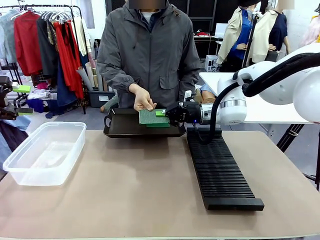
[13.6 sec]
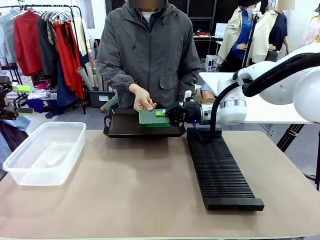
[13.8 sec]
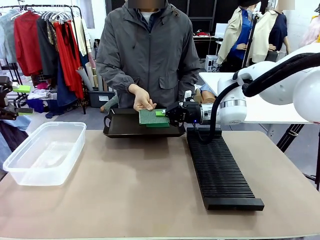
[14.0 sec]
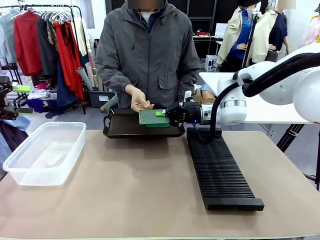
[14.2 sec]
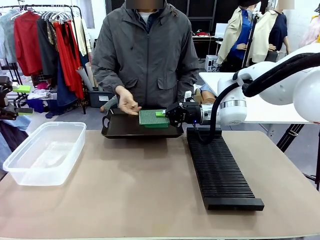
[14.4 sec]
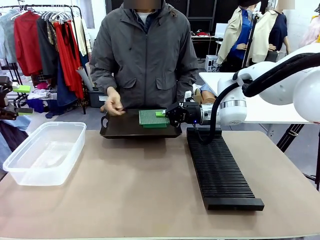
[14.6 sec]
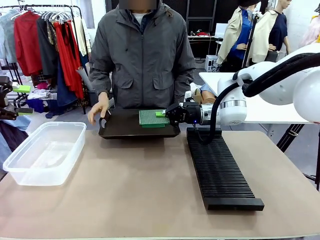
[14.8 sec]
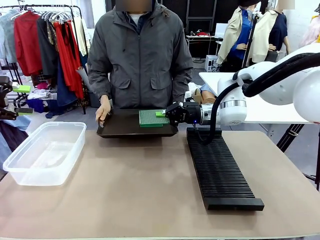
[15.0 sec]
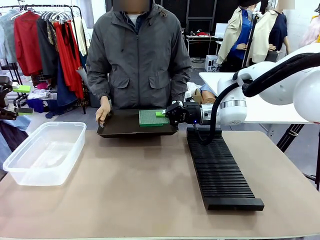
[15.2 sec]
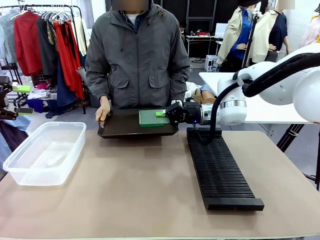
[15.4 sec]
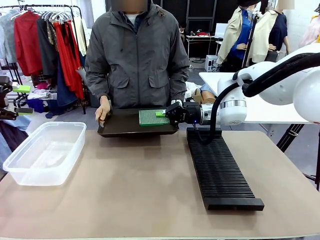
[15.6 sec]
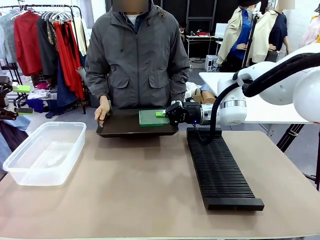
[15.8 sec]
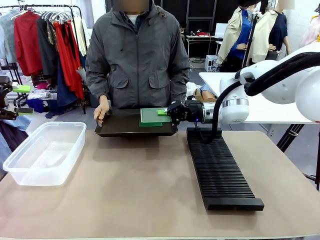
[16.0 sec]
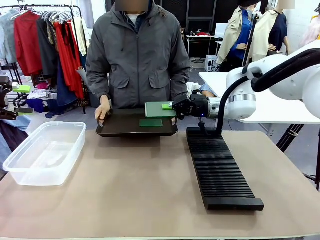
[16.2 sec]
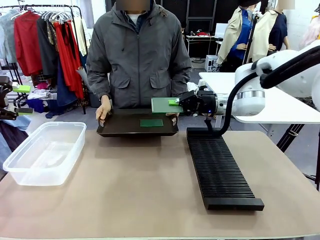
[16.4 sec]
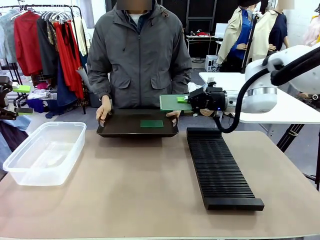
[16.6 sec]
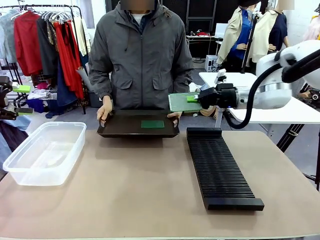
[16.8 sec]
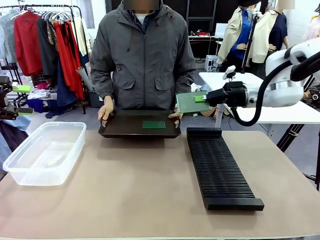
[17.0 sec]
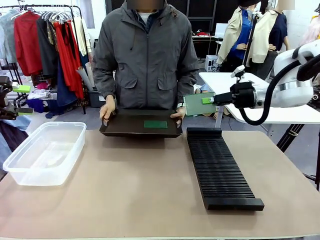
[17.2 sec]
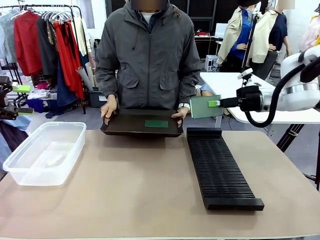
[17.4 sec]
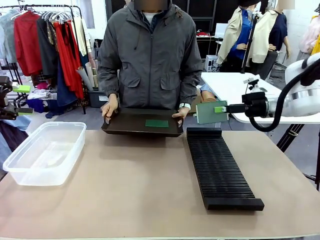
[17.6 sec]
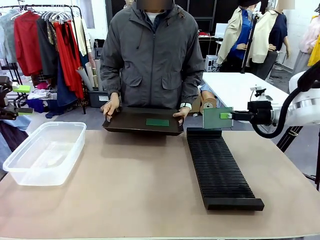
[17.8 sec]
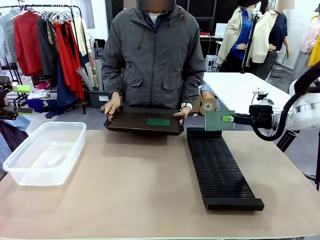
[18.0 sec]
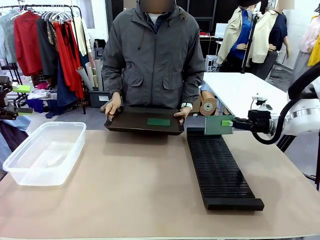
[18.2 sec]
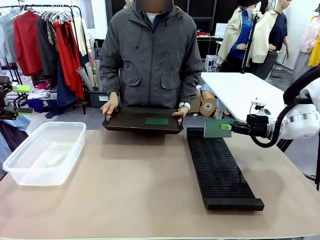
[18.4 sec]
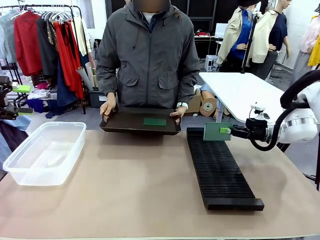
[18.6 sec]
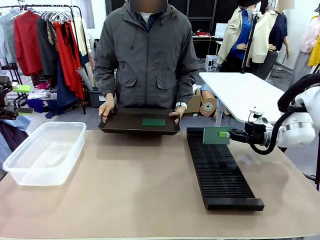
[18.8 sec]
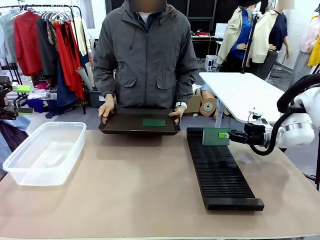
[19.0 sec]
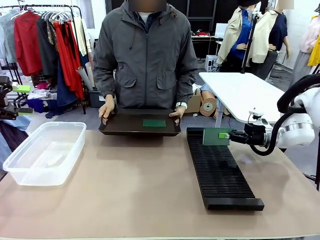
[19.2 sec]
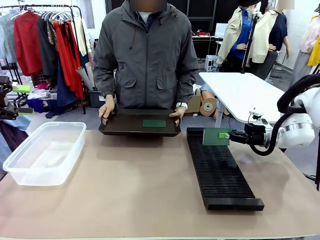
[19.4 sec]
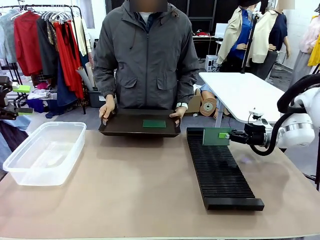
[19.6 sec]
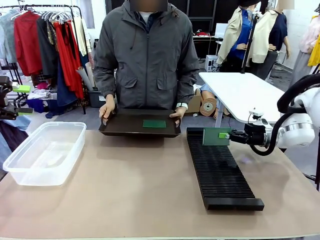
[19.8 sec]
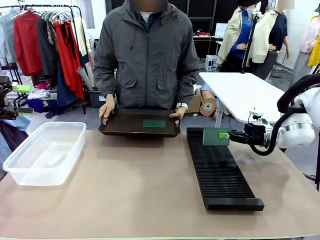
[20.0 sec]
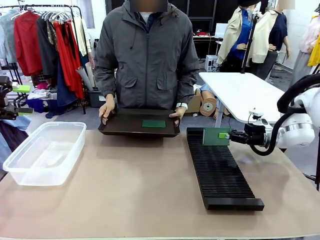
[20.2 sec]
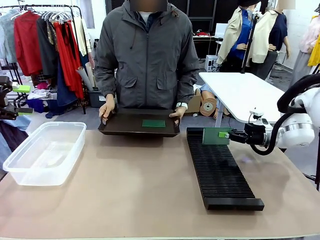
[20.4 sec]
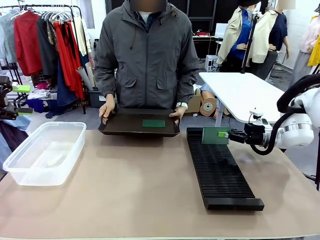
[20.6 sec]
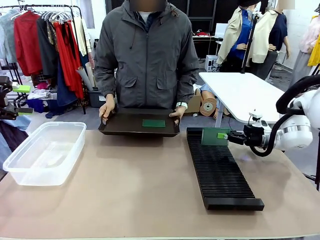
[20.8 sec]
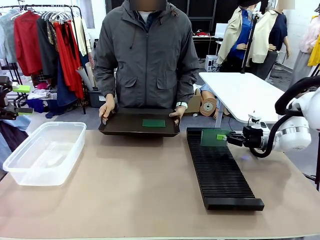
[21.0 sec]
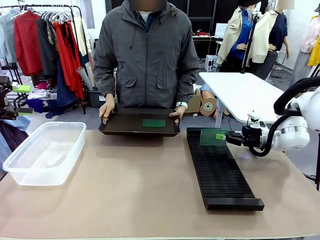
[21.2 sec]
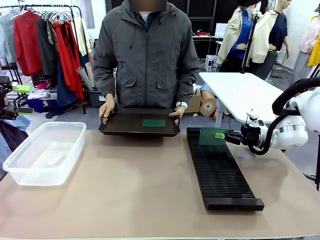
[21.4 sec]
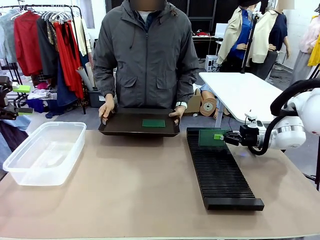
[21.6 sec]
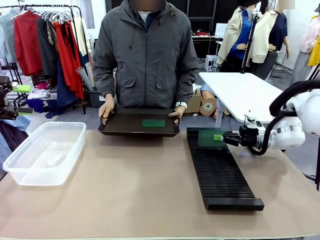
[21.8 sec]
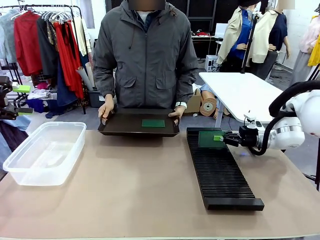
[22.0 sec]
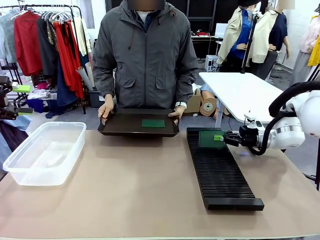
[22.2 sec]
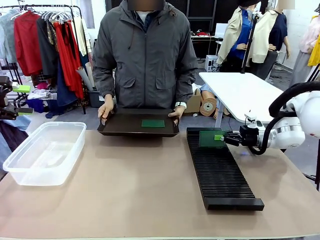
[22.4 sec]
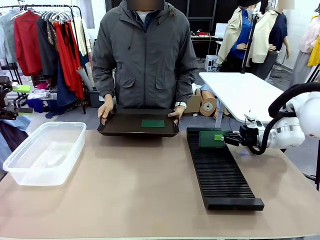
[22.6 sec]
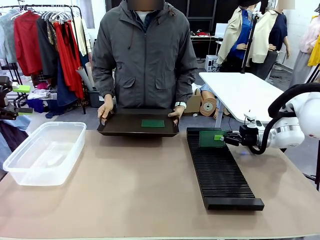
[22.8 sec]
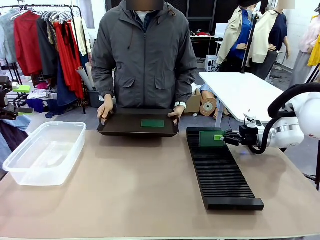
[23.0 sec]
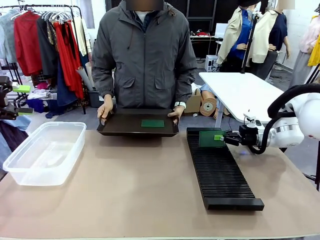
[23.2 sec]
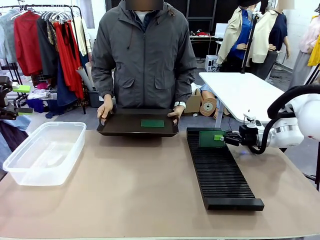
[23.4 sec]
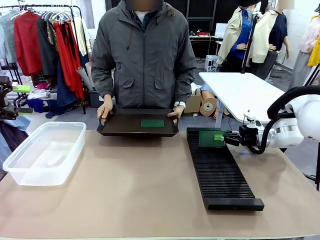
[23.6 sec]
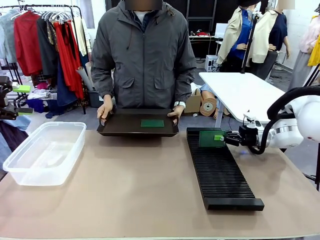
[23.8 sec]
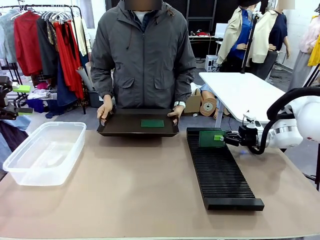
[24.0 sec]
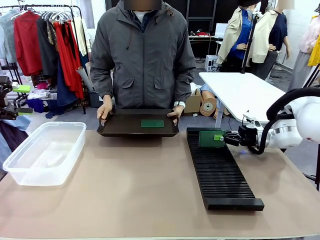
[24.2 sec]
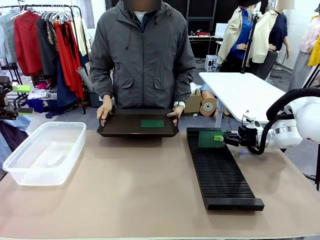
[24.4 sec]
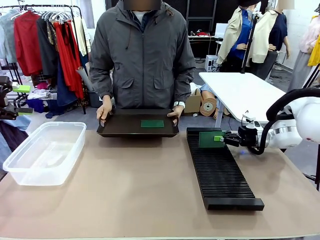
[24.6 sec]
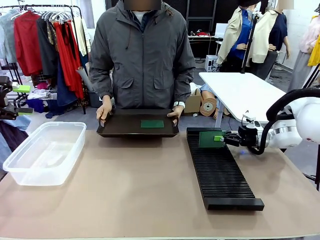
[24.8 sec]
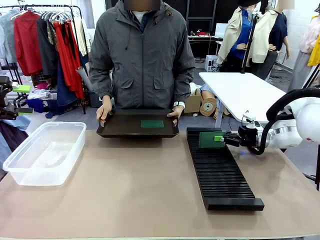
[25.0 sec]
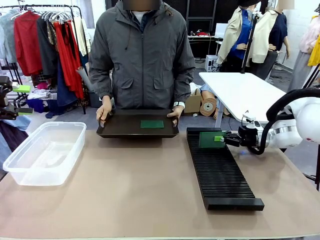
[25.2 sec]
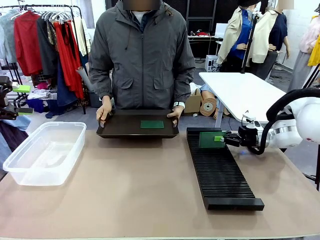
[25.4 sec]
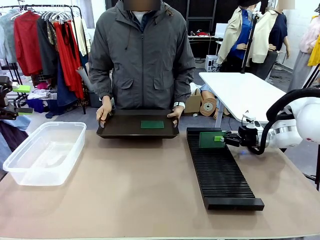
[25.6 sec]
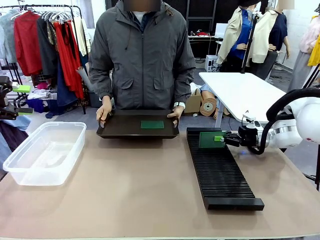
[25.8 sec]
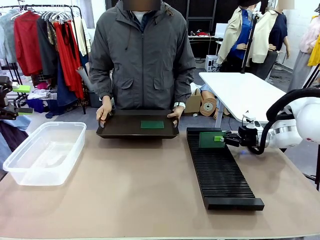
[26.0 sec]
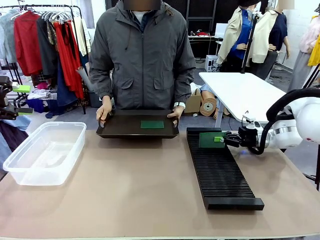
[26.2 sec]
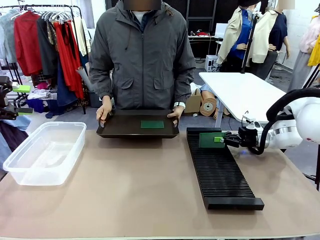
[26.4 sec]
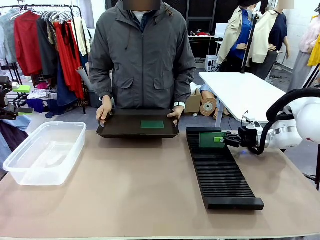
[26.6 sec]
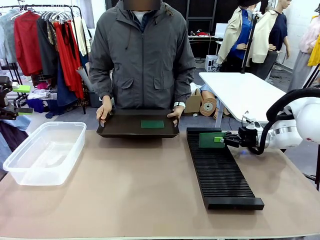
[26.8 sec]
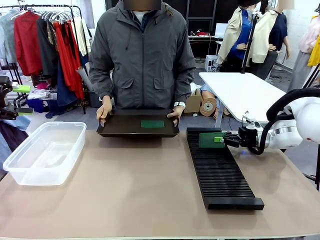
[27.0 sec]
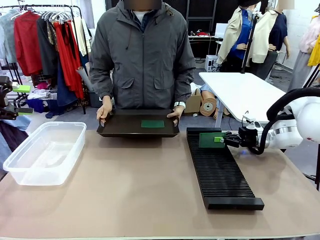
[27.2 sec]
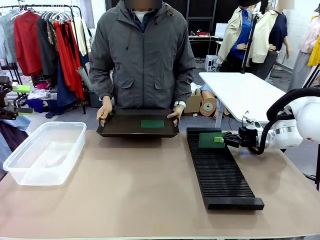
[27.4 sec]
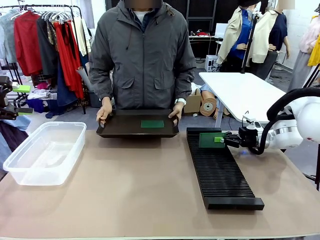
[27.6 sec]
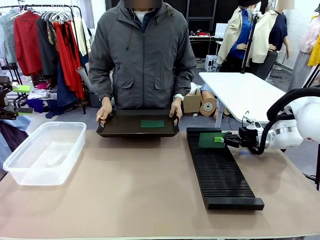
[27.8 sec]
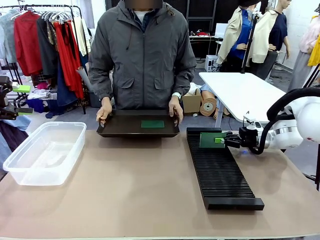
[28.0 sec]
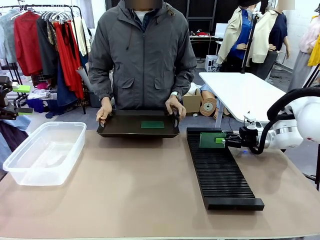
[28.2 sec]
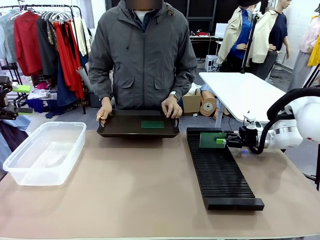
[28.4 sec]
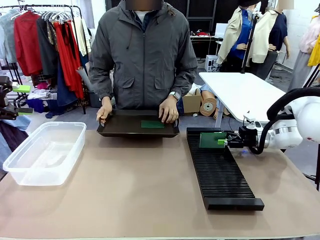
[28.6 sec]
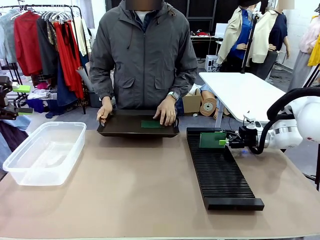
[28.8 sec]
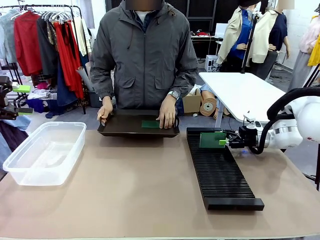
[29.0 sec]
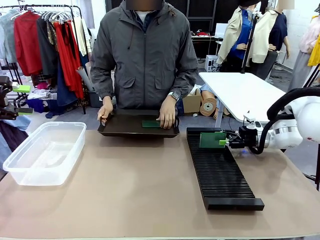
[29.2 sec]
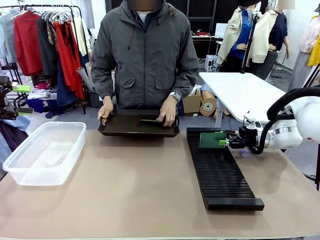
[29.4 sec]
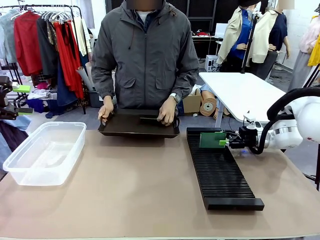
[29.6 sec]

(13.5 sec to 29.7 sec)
Task: Sort PCBs into racks and boxes based on the side picked up.
Robot: If the short side of the Blank PCB is picked up, insert it into the PCB Rack ; if the long side is picked up, place it in the Organizing box.
Person: Pick one PCB from the tray and present it to the robot.

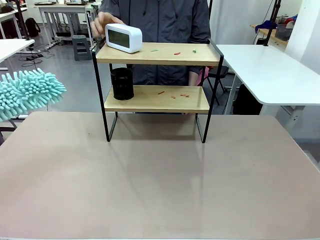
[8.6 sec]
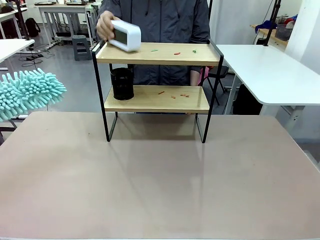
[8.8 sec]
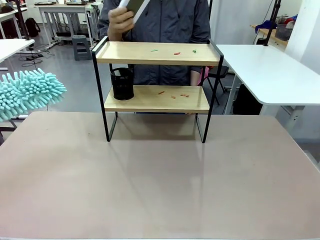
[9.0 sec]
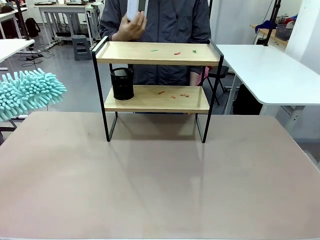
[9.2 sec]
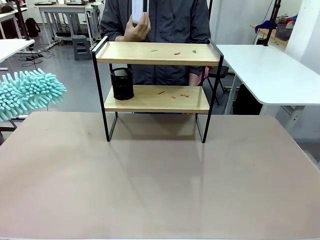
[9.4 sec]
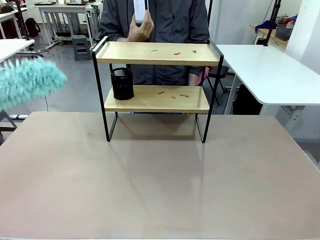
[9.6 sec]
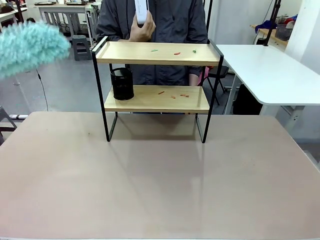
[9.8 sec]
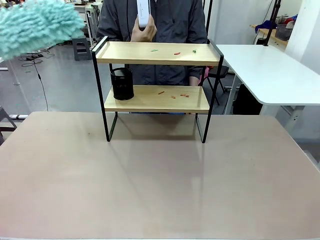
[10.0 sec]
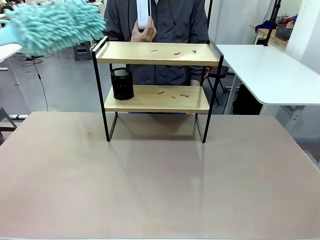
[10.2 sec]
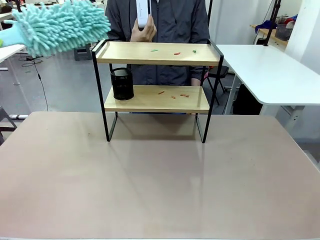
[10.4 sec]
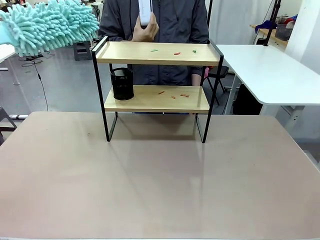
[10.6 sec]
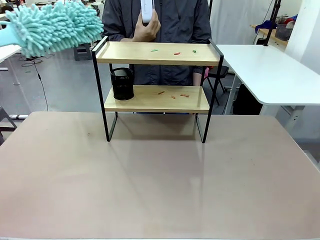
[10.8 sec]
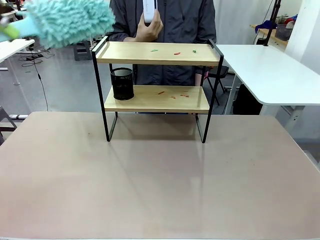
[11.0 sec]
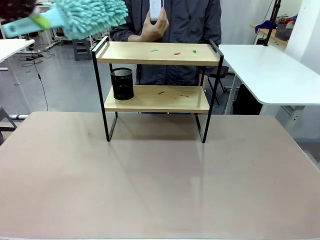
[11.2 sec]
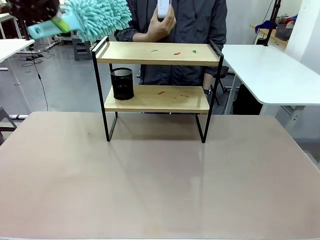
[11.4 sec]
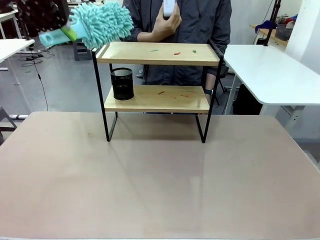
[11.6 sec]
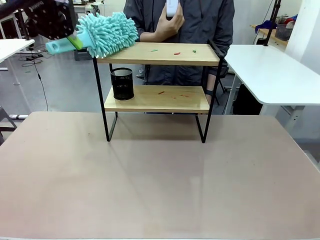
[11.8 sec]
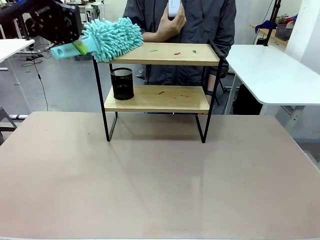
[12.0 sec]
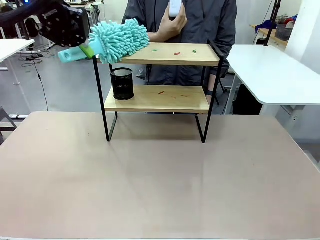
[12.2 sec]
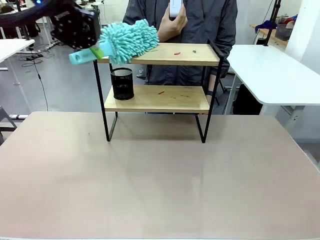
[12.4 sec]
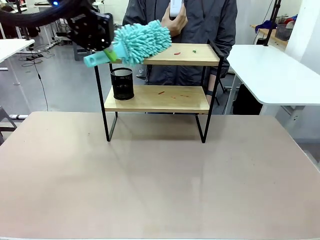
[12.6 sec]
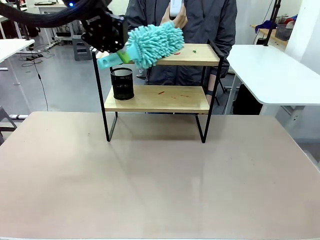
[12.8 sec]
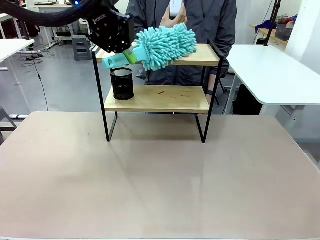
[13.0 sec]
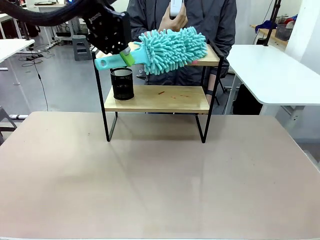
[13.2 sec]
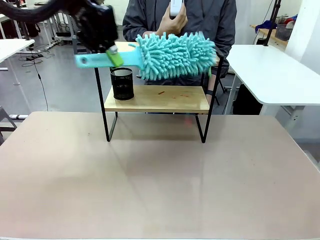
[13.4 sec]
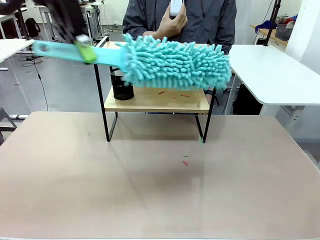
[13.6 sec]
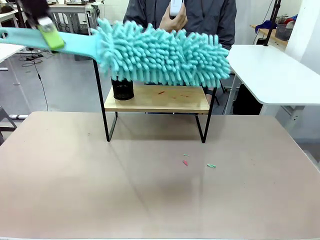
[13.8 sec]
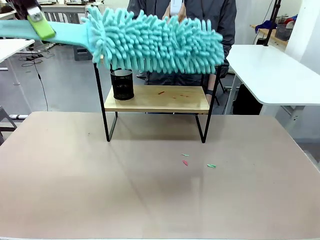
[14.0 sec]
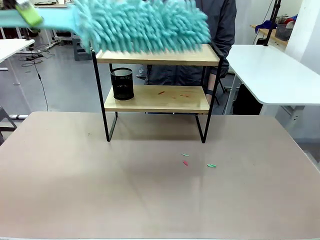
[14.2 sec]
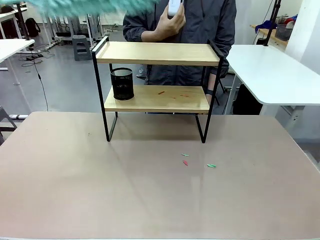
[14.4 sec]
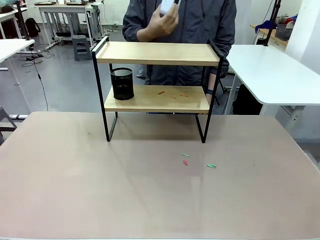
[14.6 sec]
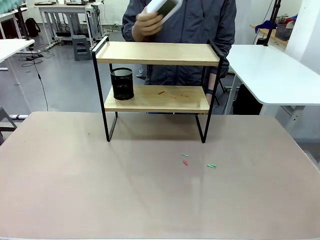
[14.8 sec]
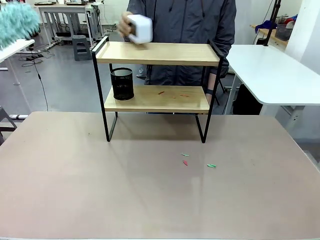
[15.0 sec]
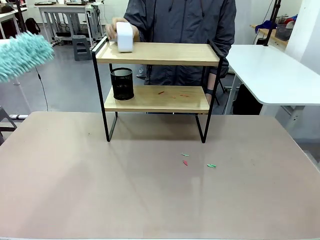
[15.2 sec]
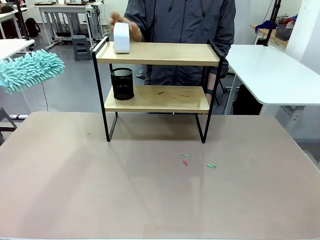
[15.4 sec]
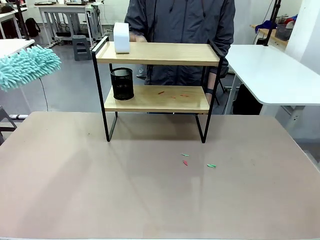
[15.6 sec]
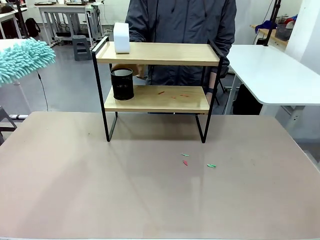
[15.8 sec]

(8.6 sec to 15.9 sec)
Task: Clean the shelf.
Robot: Clean the specific tier of the Shelf with the Duster once objects are removed.
Person: Lift the objects on a randomly selected tier of the Shelf. Once the robot finishes cleaning, lift the objects on the remaining tiers of the Shelf.
